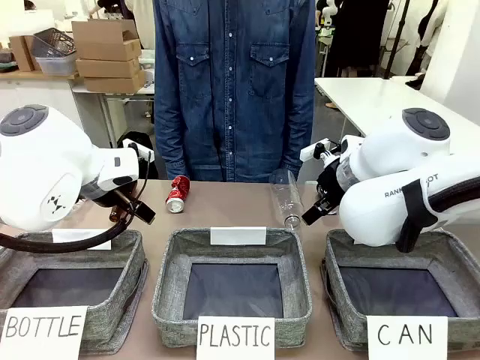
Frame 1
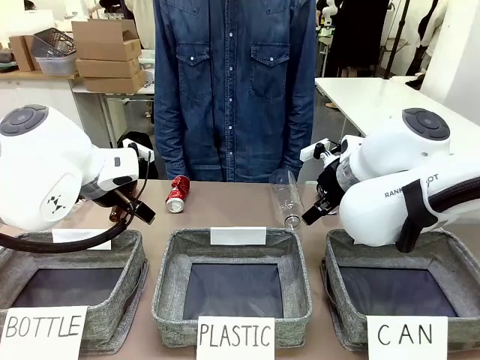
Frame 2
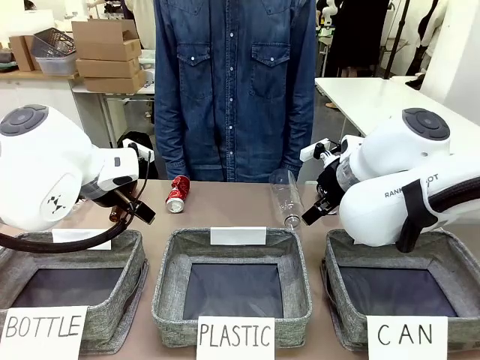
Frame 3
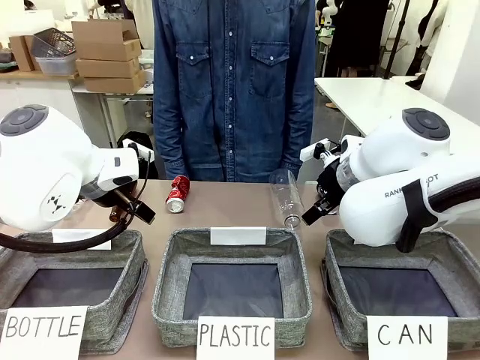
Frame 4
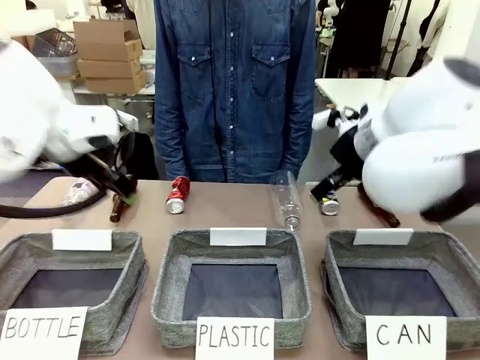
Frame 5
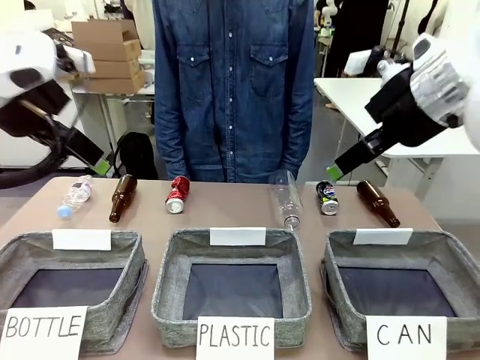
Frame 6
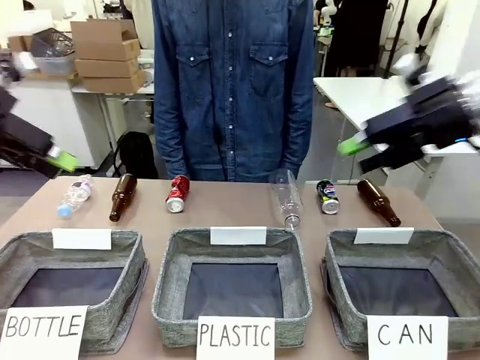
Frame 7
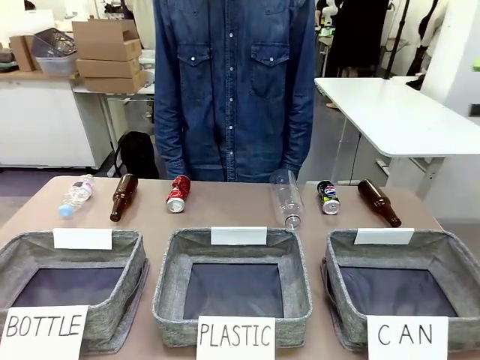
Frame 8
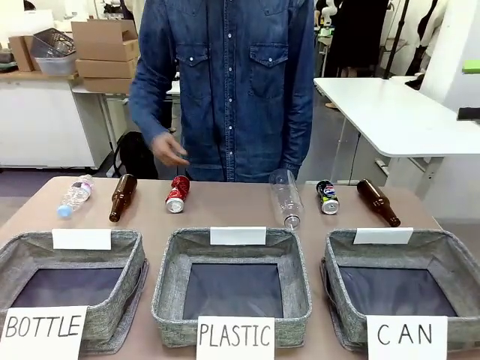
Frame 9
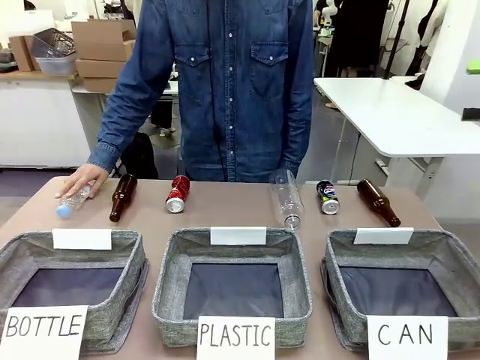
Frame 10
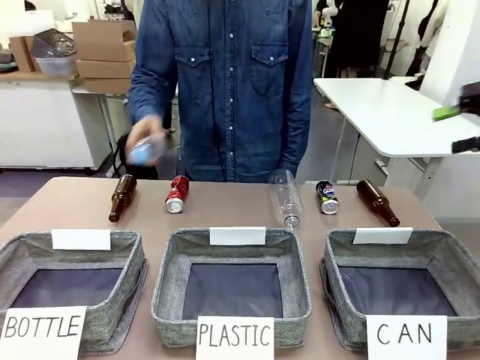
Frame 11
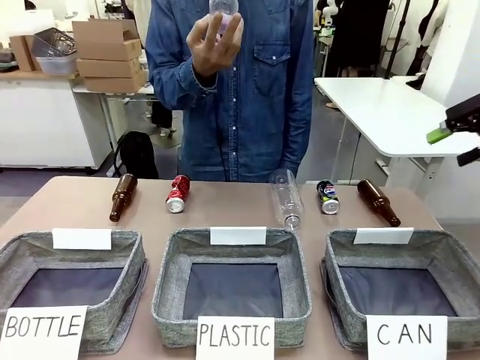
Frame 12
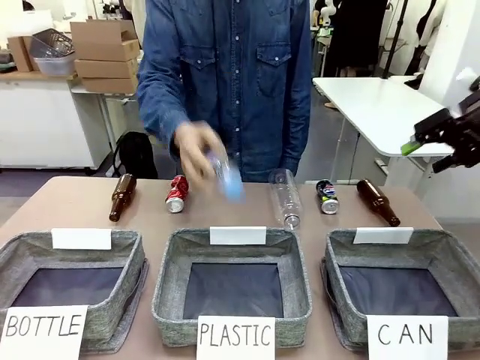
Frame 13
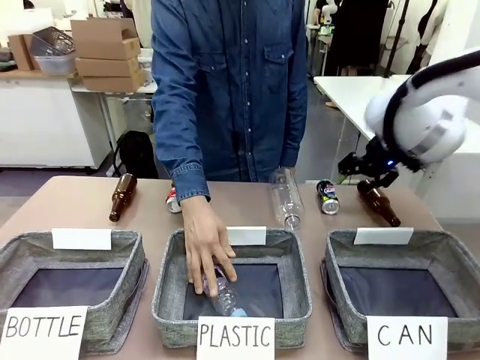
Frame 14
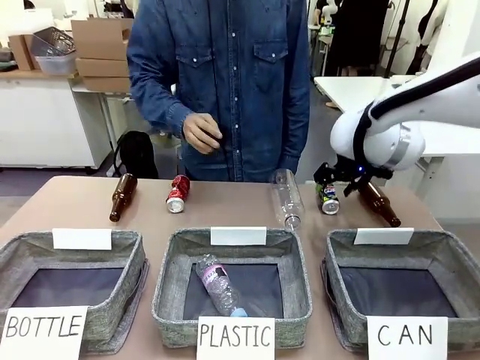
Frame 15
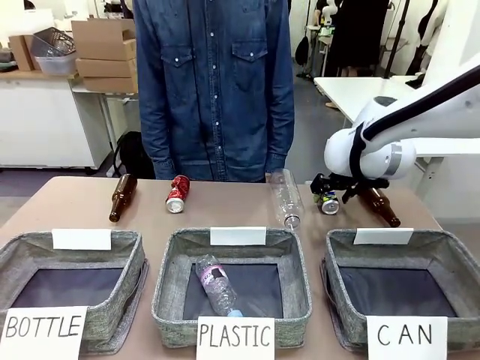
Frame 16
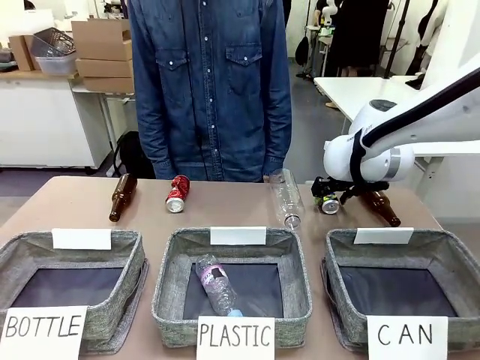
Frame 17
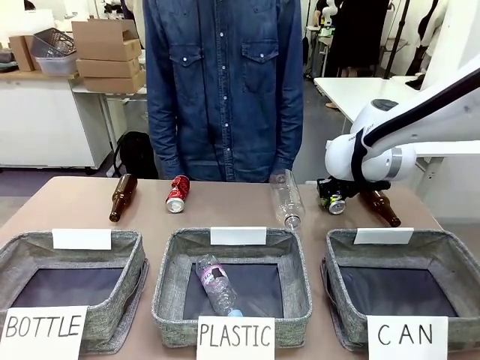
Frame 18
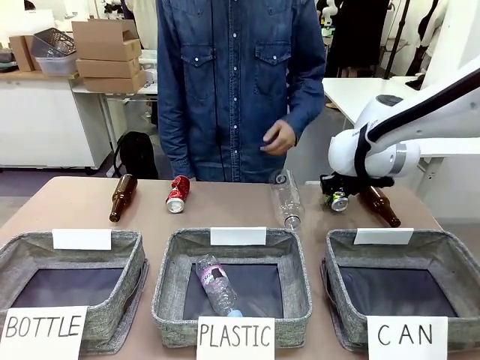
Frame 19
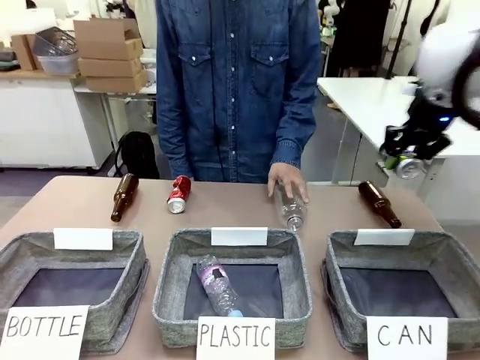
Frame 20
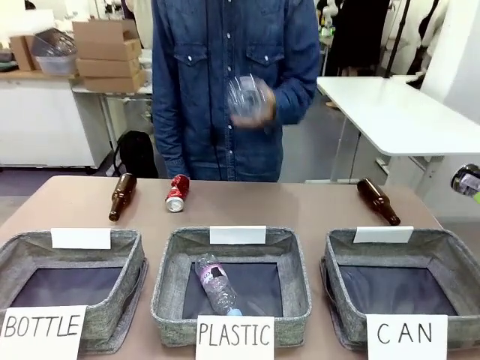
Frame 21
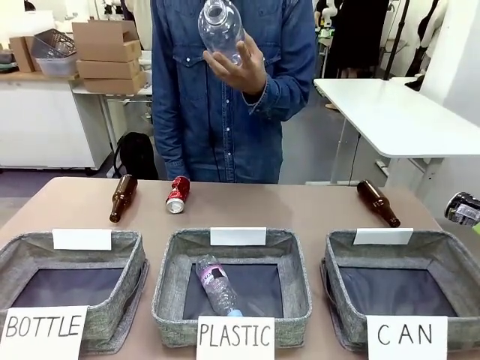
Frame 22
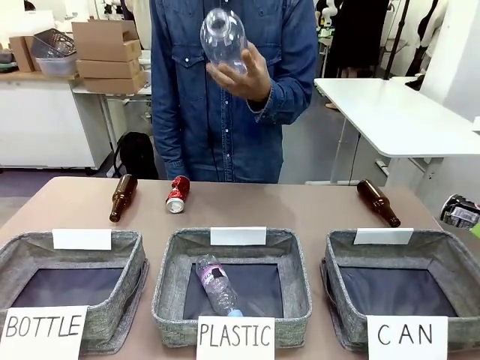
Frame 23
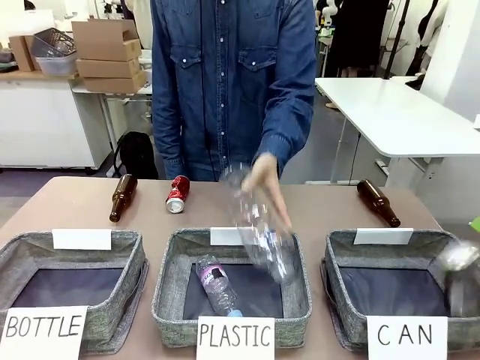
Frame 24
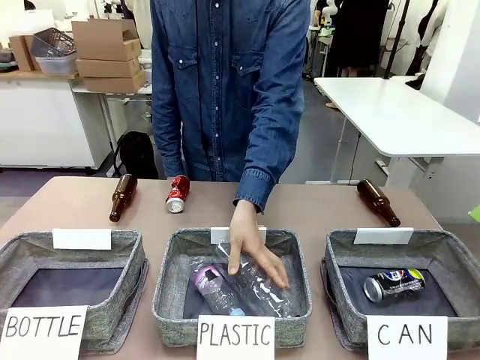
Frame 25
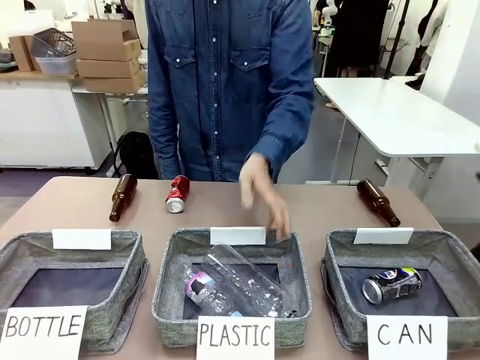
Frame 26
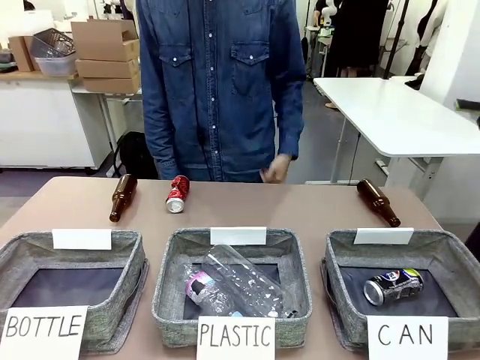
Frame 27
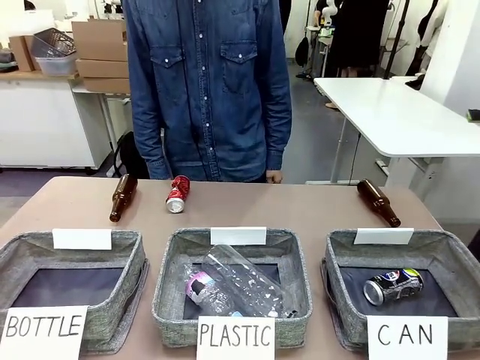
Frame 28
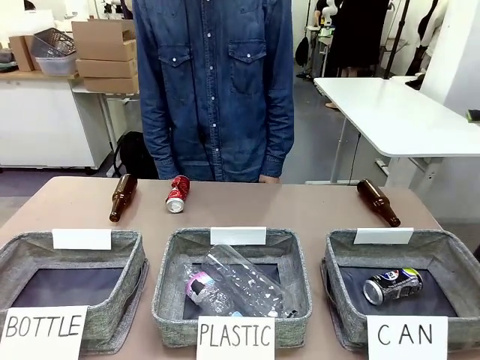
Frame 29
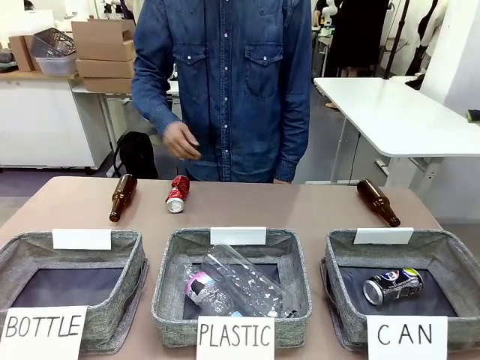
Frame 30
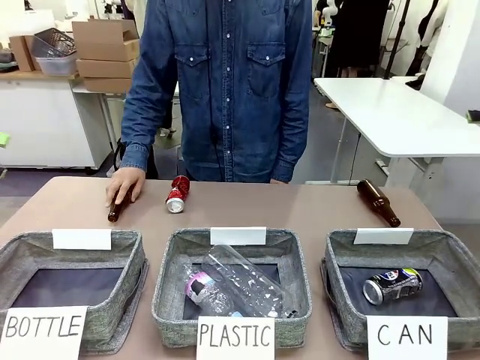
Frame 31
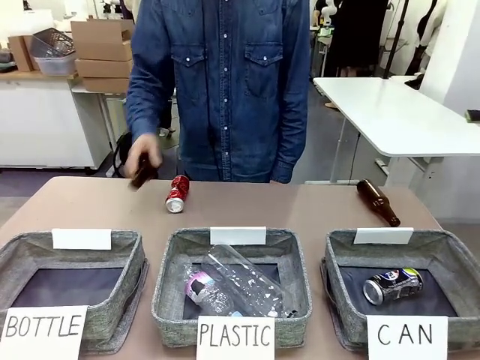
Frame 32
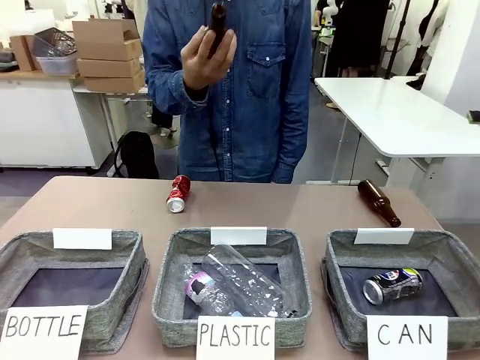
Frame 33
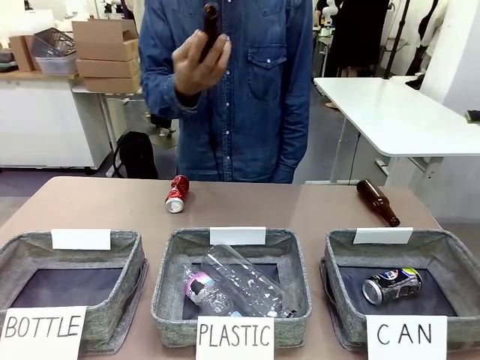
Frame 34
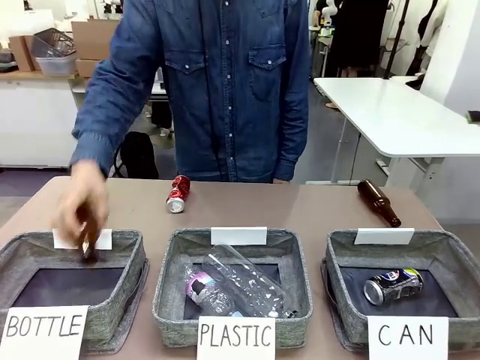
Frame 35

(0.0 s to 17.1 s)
Task: Sort the can waste into the basket.
Robot: Pick up the can waste from the table and place it in the right Fabric basket.
